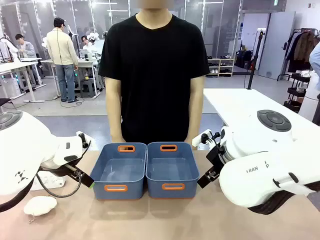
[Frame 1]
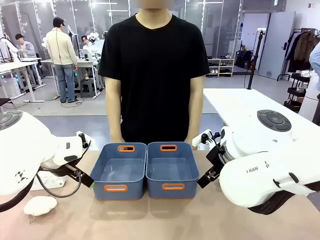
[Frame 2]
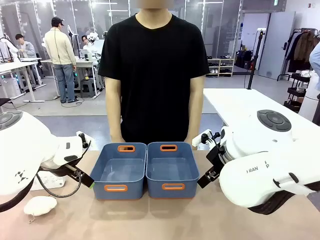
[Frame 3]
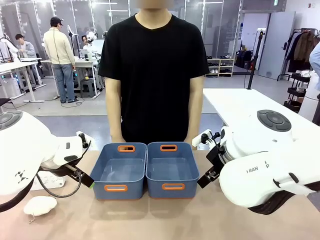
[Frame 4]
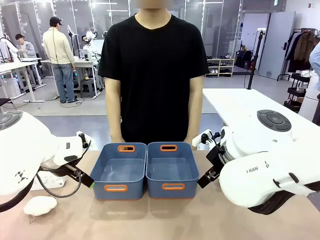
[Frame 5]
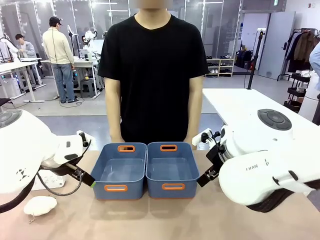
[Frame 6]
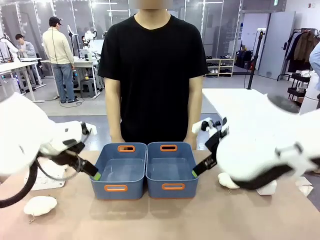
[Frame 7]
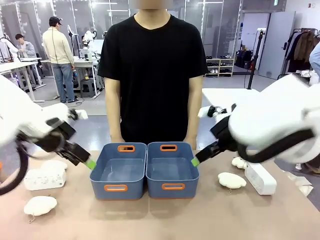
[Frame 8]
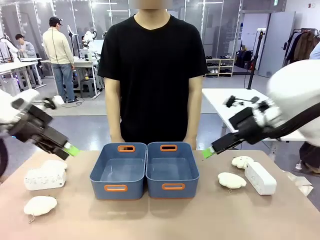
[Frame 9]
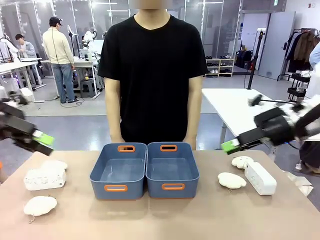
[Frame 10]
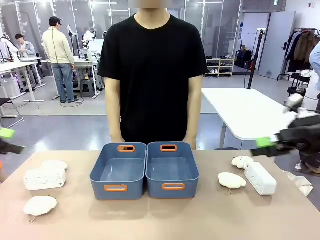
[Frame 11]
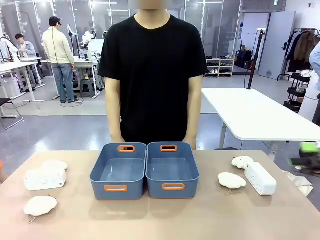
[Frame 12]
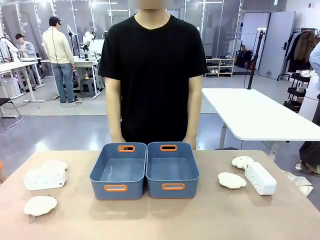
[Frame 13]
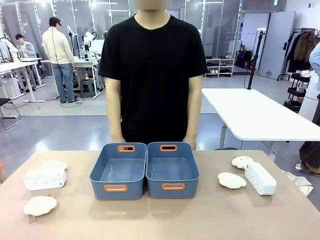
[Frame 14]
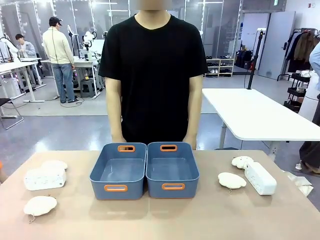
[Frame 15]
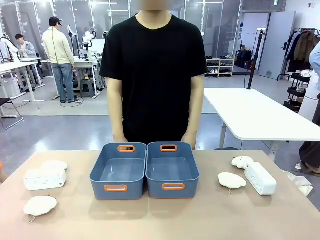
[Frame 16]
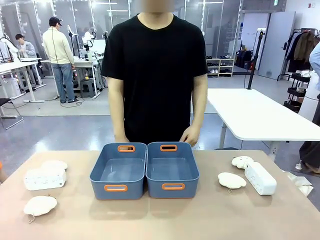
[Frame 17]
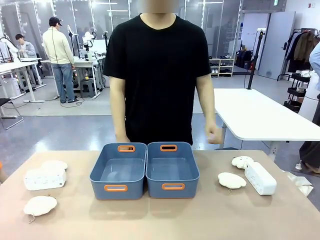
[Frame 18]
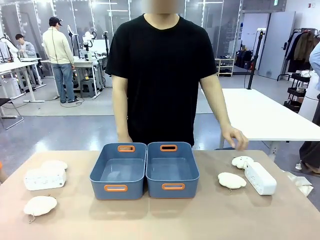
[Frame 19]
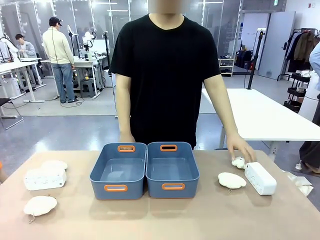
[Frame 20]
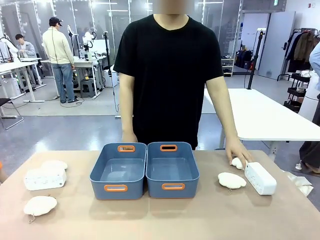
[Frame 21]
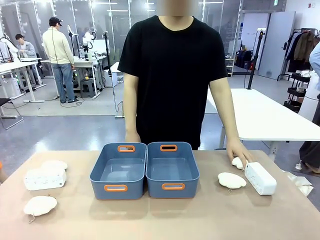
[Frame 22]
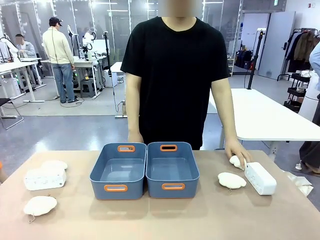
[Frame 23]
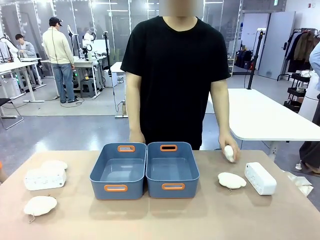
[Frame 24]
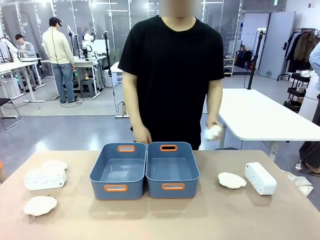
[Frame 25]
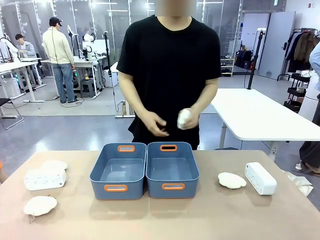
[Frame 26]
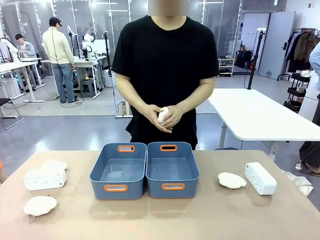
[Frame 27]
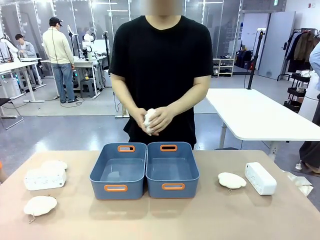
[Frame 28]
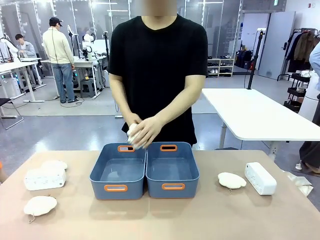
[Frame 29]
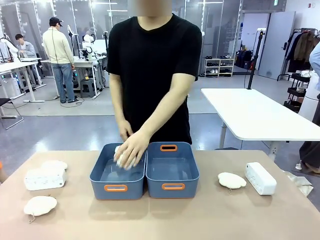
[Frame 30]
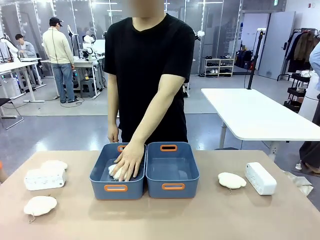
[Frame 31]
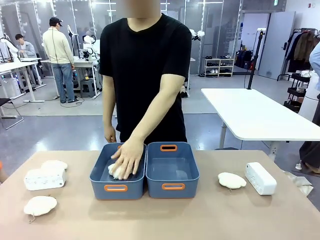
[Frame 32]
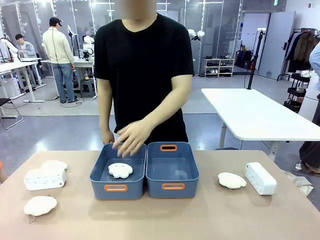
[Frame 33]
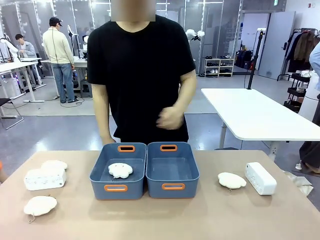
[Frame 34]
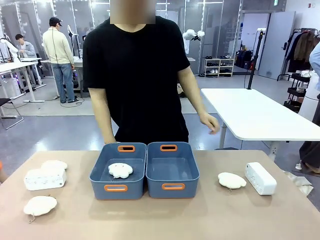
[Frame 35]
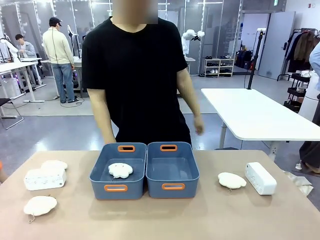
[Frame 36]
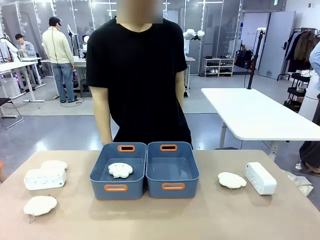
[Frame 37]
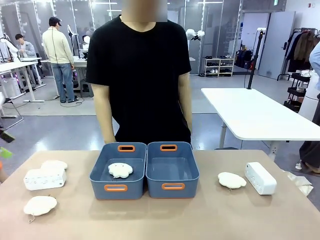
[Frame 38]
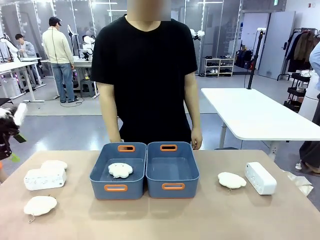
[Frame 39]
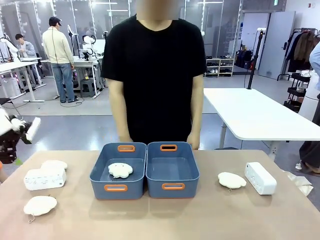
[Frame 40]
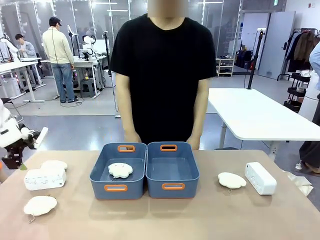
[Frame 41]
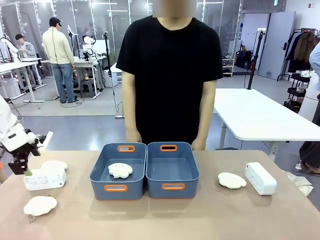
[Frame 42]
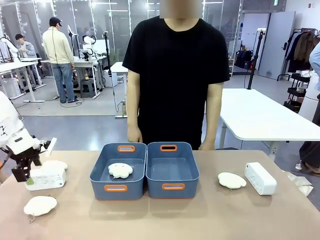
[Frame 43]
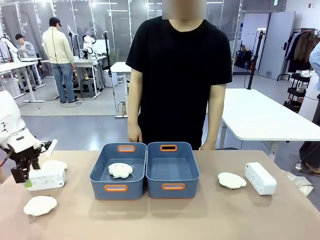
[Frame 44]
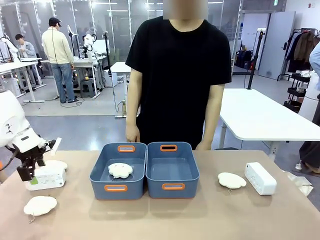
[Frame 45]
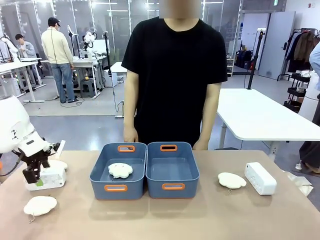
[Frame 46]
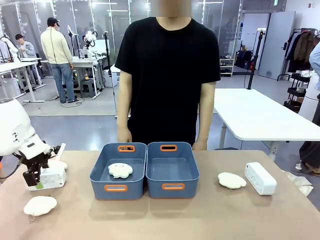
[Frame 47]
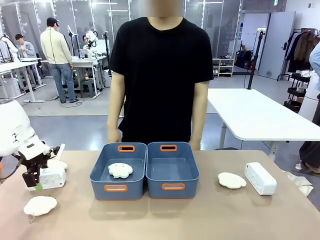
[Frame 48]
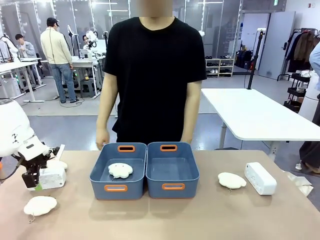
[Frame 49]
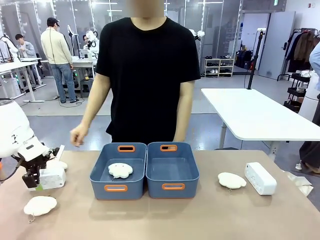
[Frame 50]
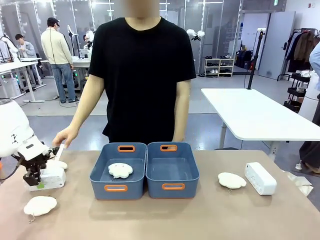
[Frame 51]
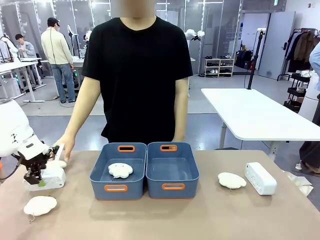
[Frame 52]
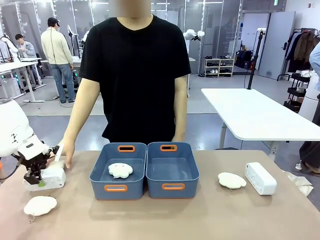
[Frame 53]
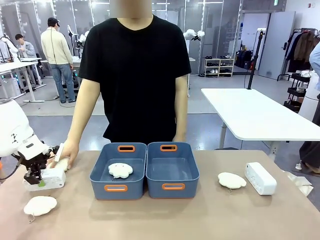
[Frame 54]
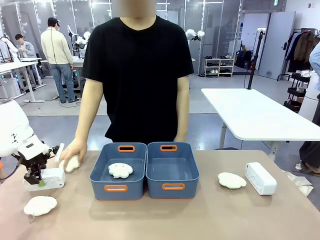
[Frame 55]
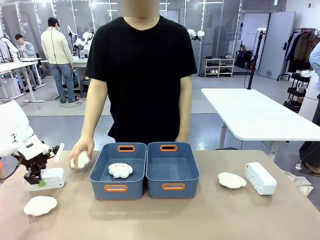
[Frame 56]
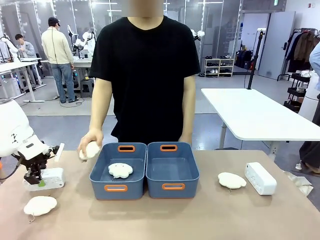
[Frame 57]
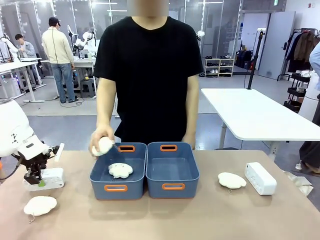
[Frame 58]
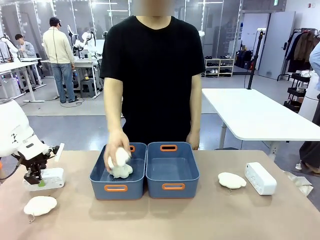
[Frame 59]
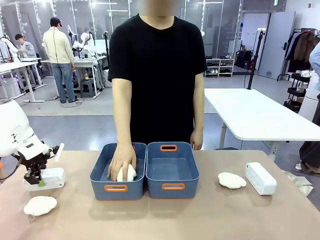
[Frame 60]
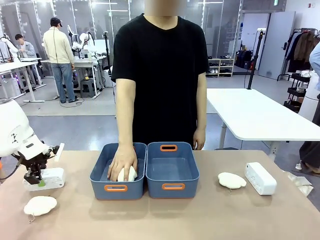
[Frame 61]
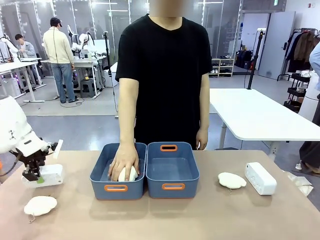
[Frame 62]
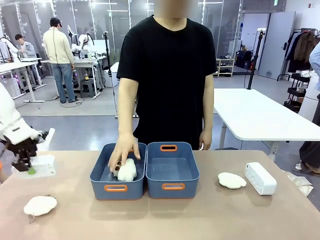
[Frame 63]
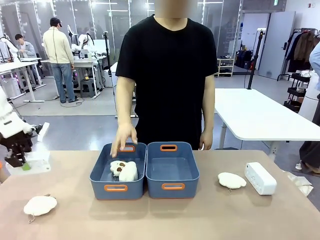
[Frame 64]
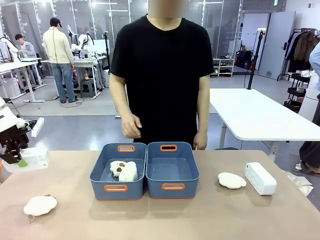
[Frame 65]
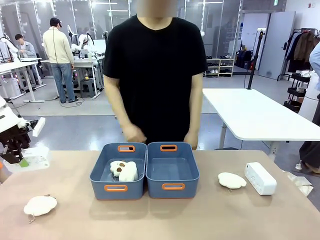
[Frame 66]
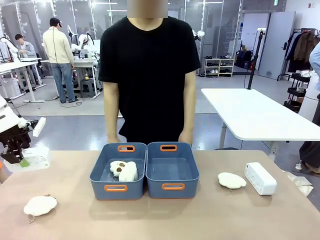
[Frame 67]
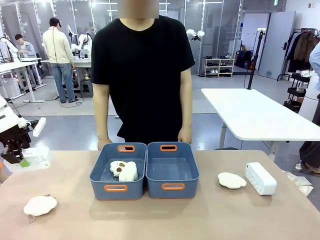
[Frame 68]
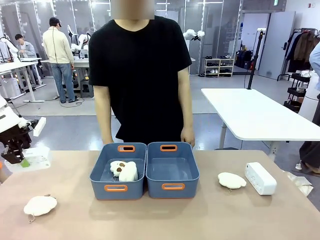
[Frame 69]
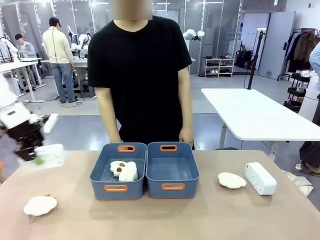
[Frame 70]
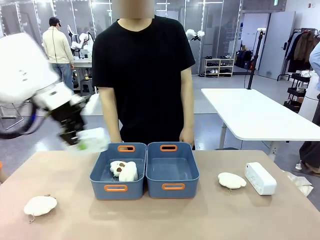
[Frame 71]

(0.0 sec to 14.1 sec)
Task: Sort the digital clocks into the basket.
Robot: Pick up the Digital clock from the table and place it into the empty Plastic storage basket.
Person: Pick up a plush toy from the table and place it in a plastic storage basket.
